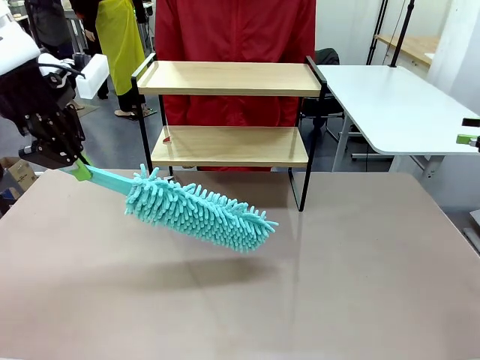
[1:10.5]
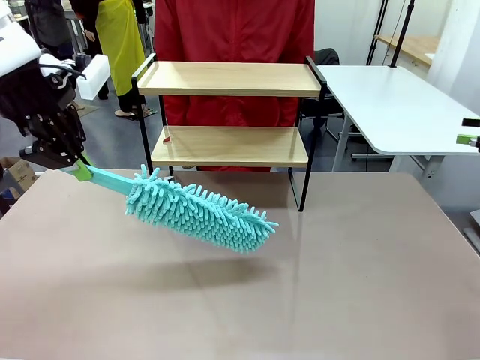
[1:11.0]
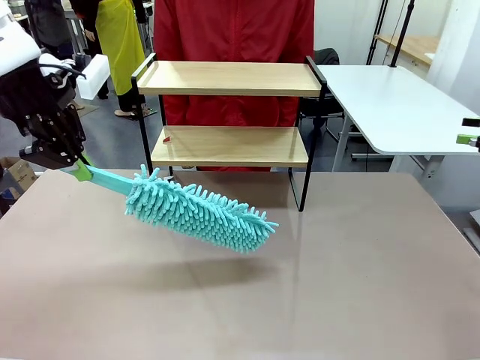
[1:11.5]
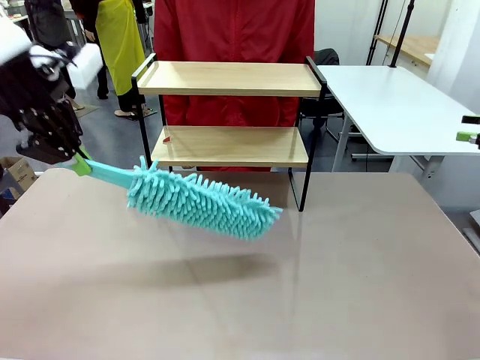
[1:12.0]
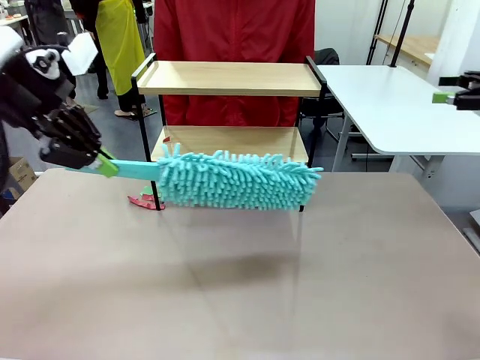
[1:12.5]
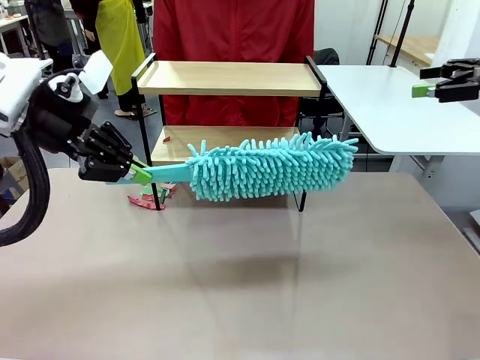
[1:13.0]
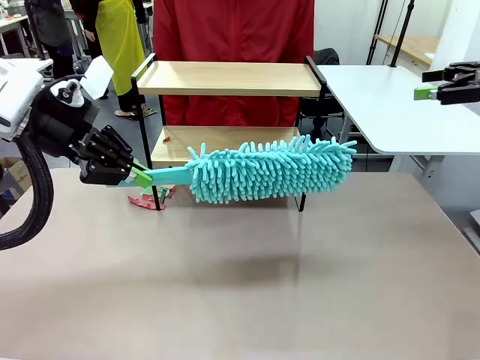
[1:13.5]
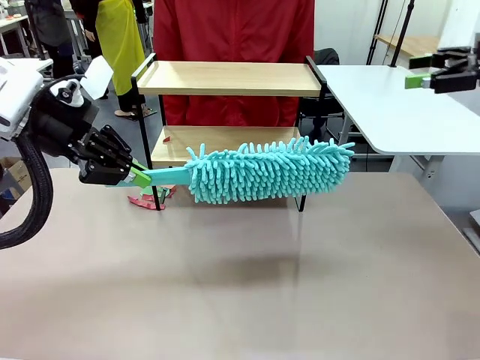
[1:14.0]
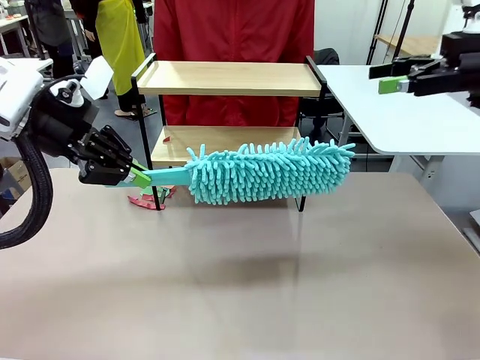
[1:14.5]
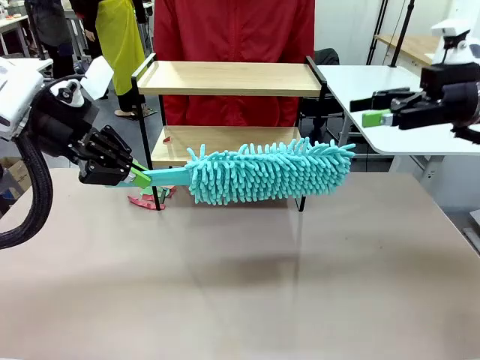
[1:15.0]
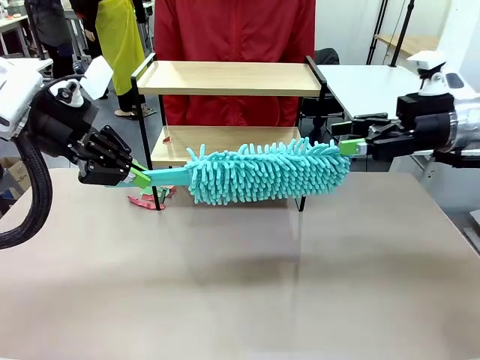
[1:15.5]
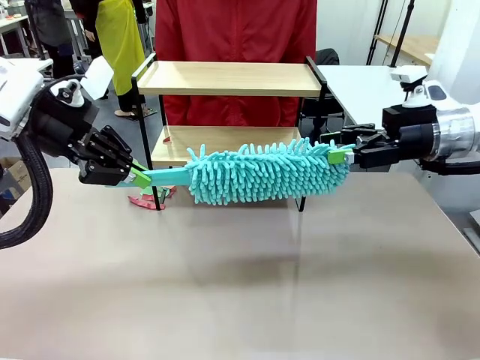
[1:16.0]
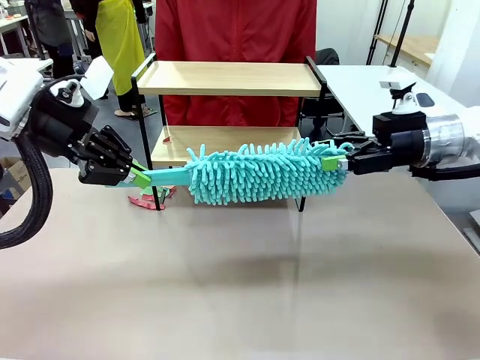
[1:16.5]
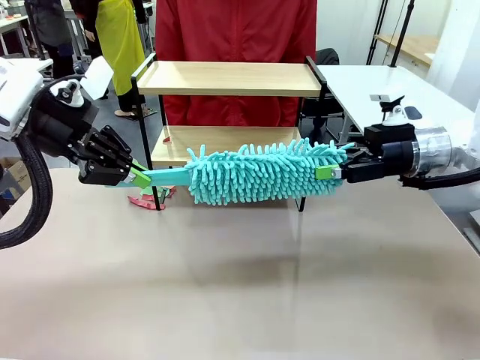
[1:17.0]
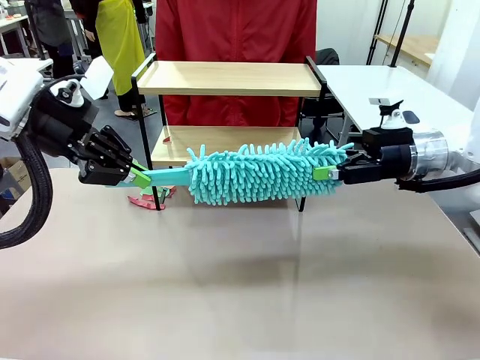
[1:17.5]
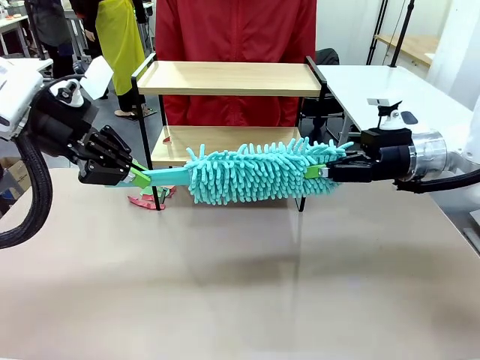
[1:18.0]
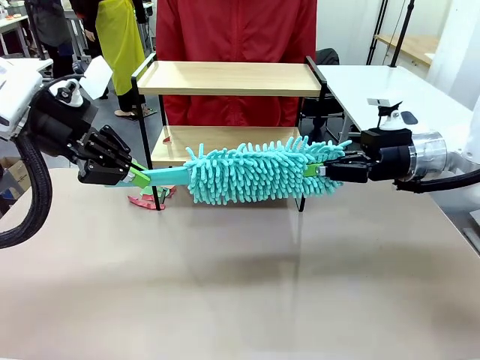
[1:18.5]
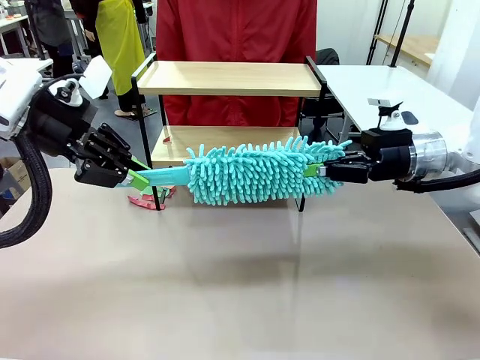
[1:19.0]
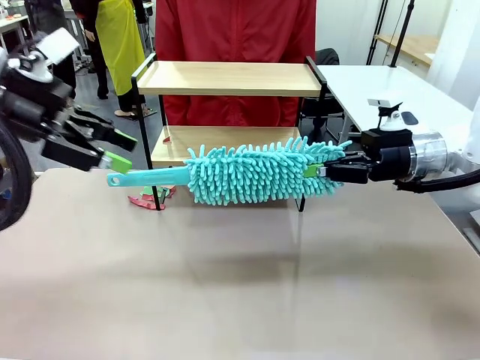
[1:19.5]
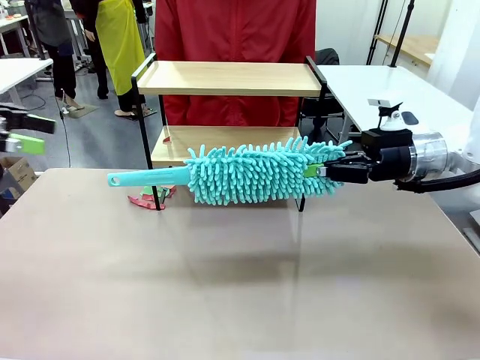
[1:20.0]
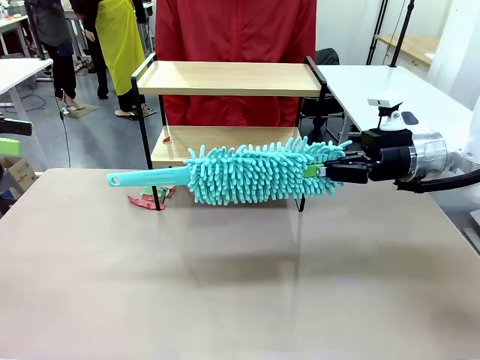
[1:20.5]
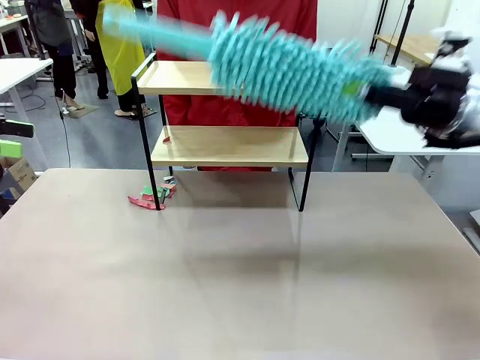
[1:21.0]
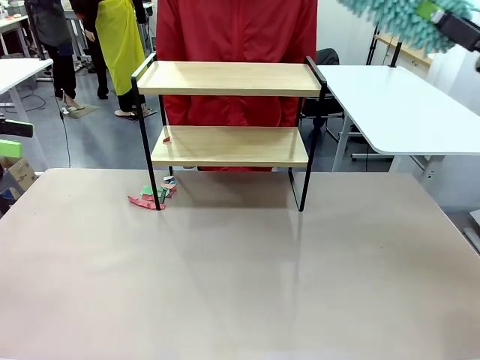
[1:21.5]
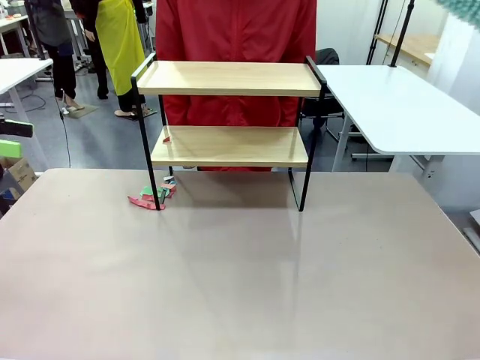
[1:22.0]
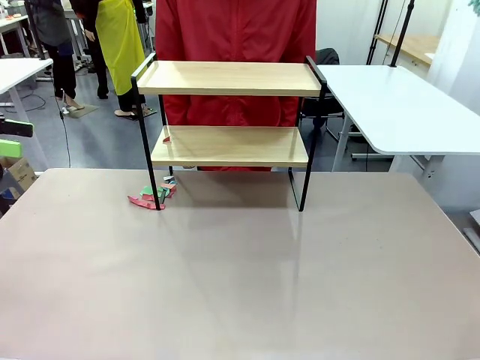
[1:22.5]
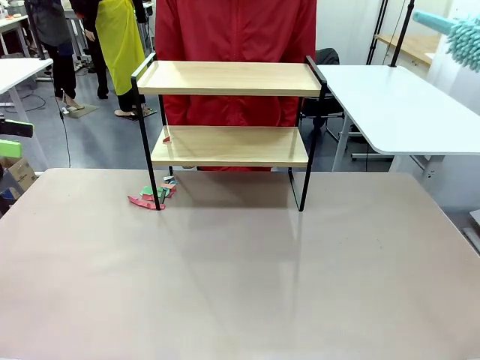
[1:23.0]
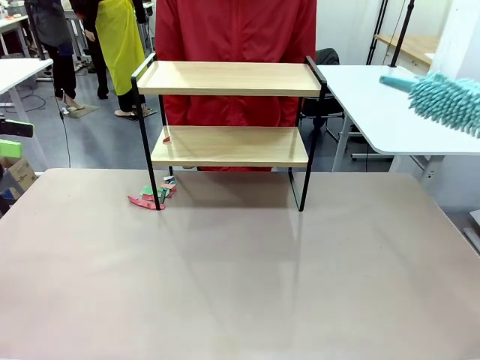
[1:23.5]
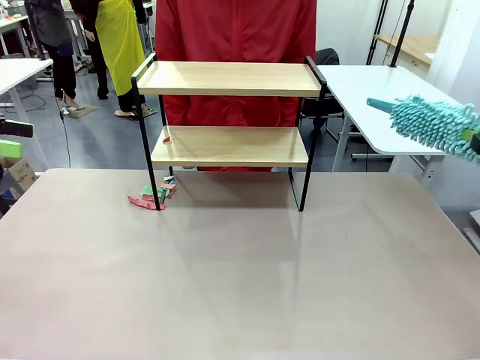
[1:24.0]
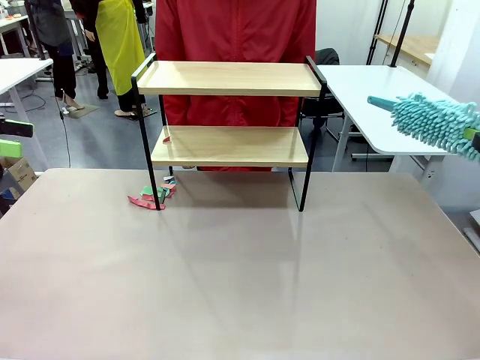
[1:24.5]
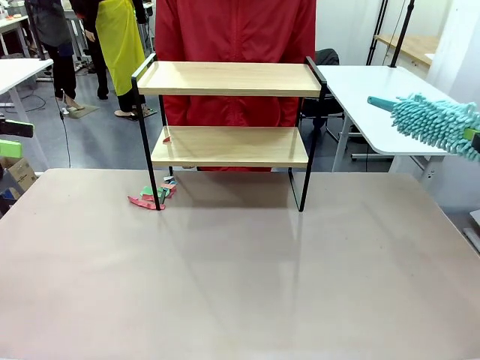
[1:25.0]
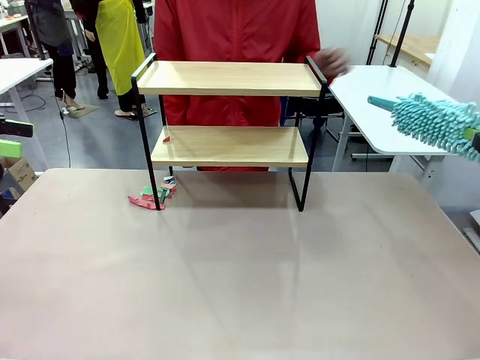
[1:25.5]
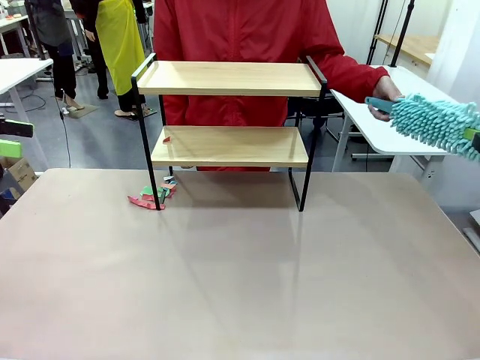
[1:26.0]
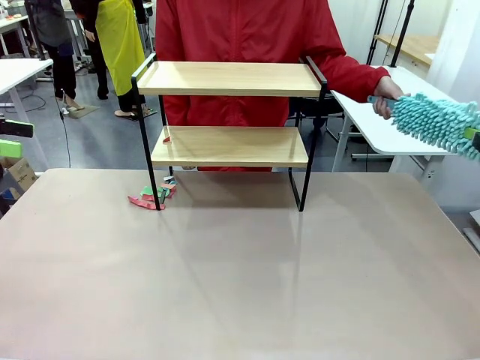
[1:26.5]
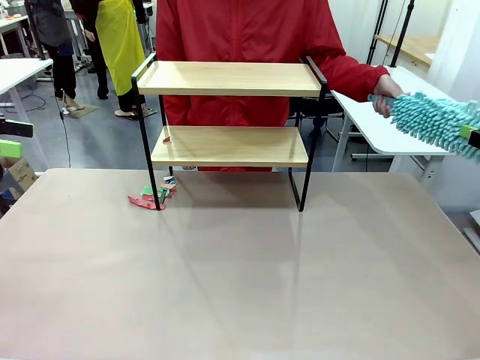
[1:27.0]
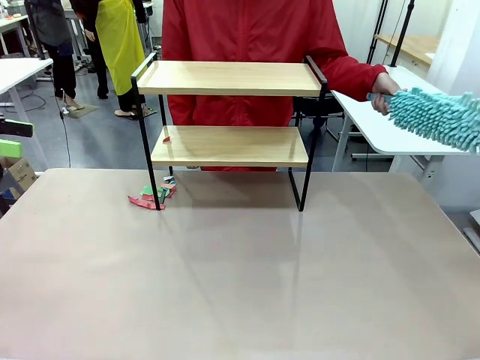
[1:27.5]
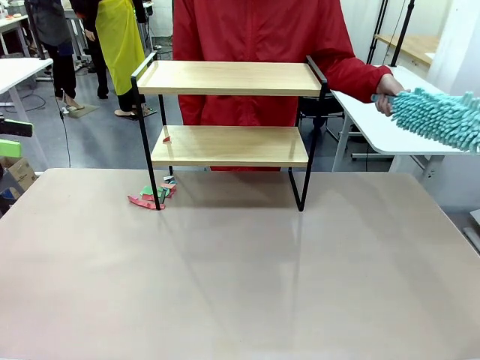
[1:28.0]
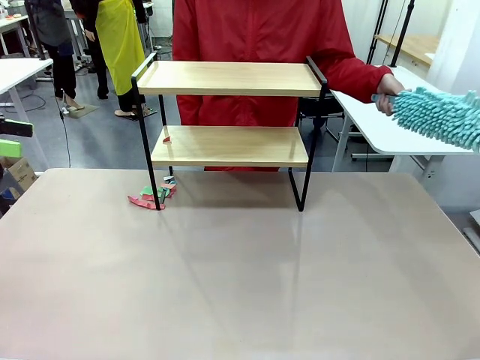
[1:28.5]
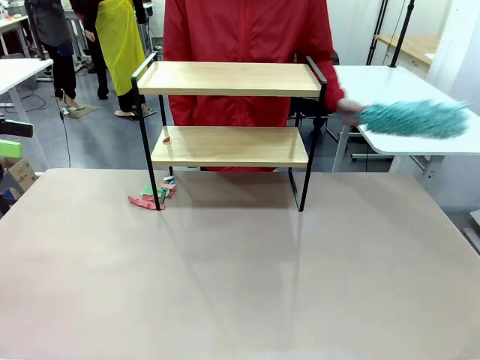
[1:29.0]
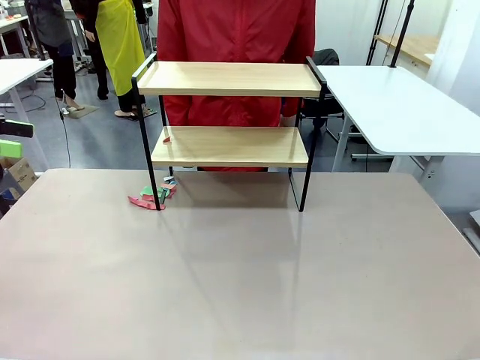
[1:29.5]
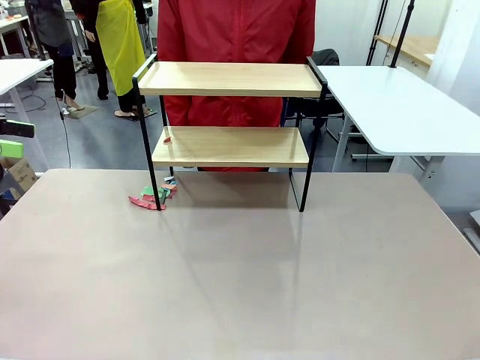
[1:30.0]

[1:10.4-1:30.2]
Task: Clean the shelf.
Robot: Hand the Duster back to the human.
Person: Receive the Duster from the robot.

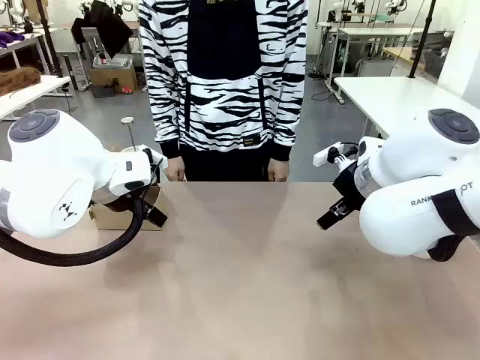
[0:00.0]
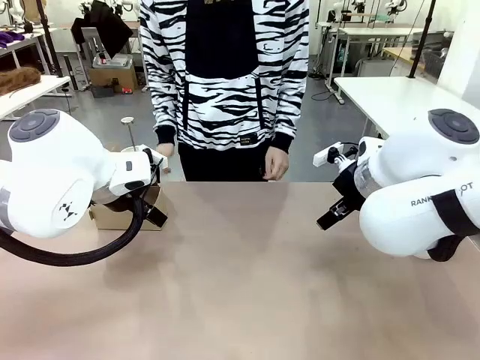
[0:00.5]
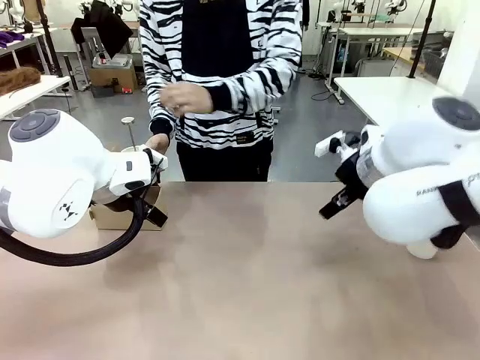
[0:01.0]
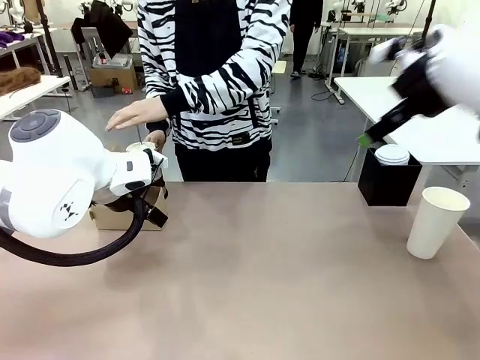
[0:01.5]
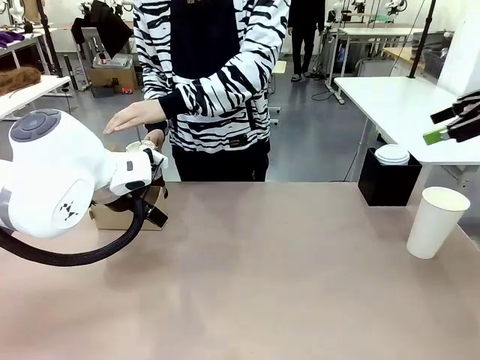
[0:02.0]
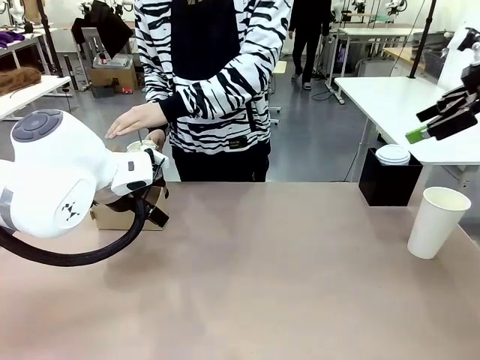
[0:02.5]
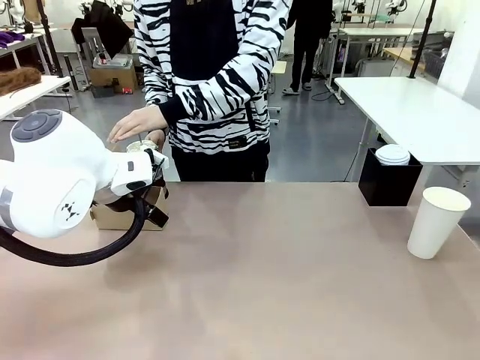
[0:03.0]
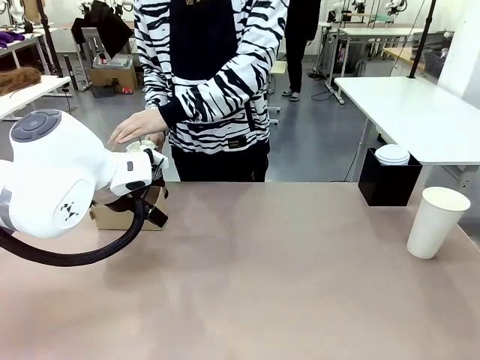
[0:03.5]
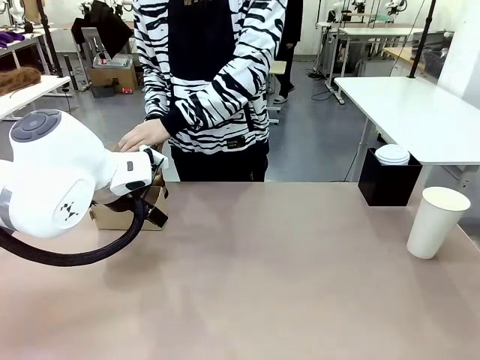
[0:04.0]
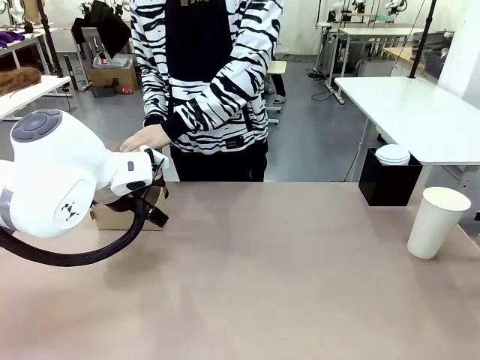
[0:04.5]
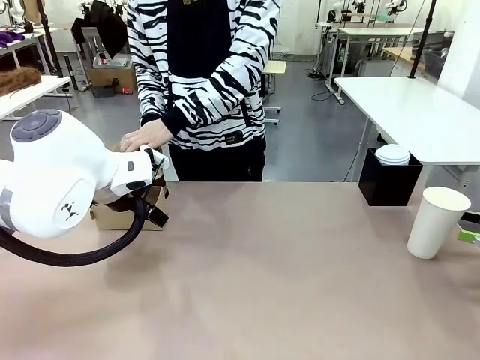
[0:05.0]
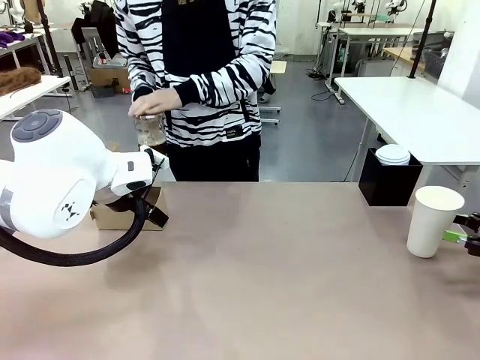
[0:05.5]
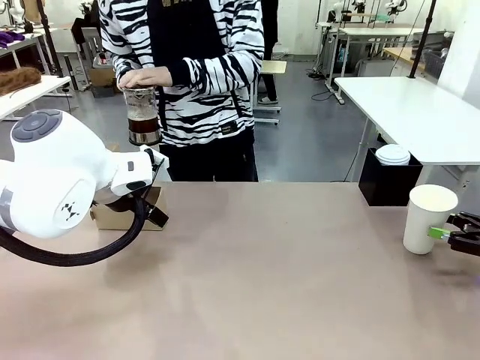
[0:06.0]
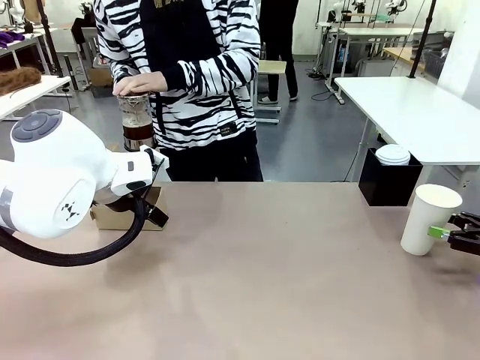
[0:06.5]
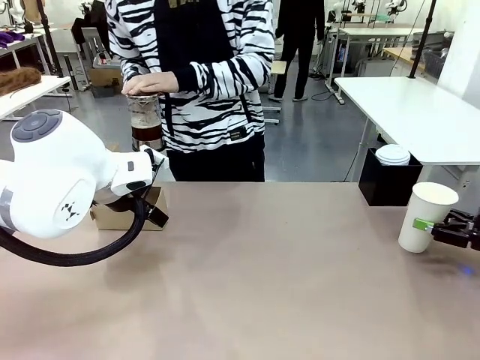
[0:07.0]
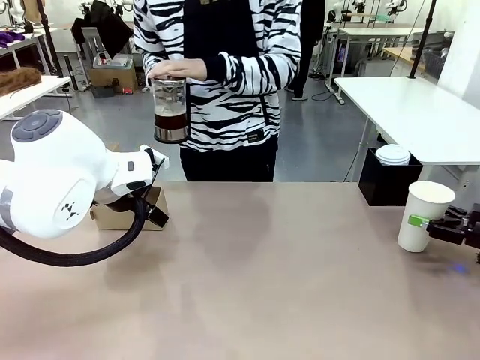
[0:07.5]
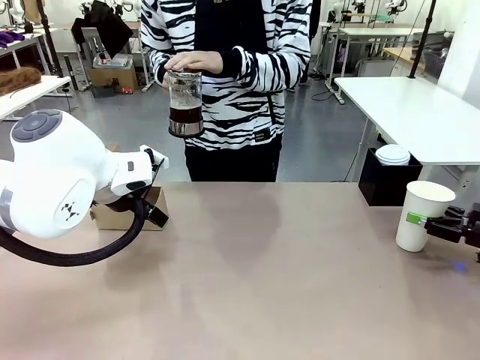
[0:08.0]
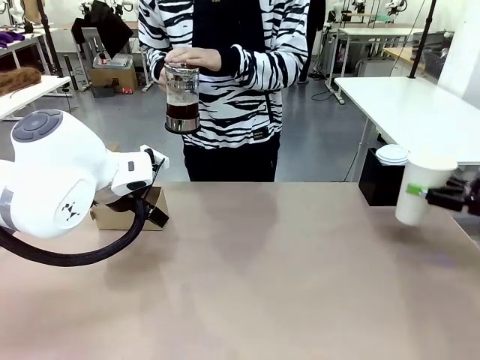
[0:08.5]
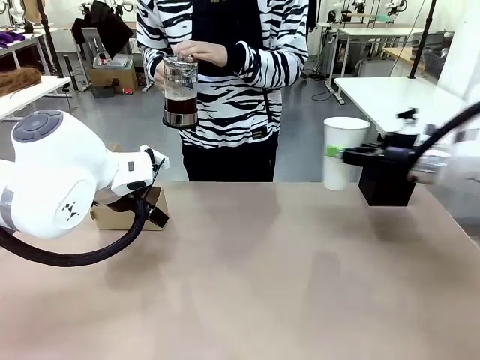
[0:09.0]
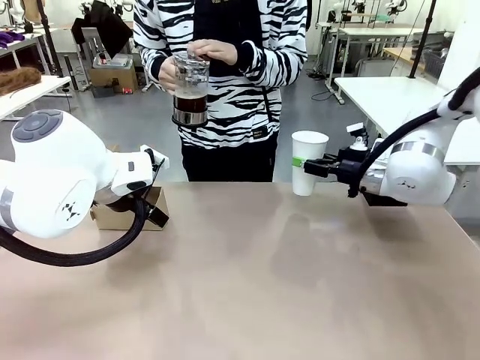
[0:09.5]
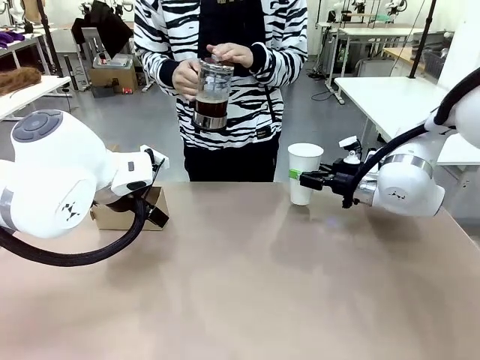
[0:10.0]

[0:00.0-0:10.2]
Task: Pour a drink into a cup and package it in a carrier.
Robot: Pick up the 600 ml Paper Cup and place it in the middle top area of the table.
Person: Press and pick up the Filter Brewing.
